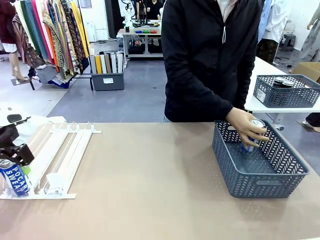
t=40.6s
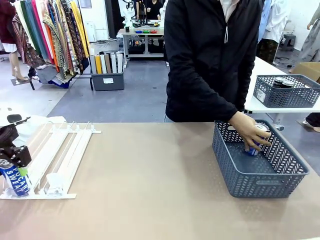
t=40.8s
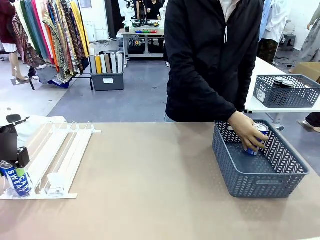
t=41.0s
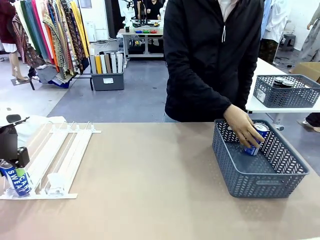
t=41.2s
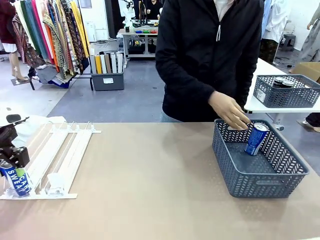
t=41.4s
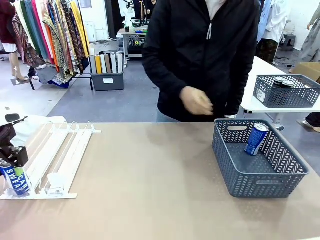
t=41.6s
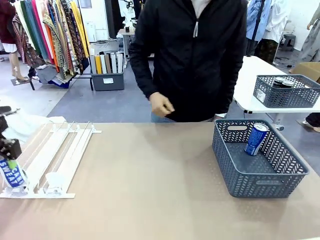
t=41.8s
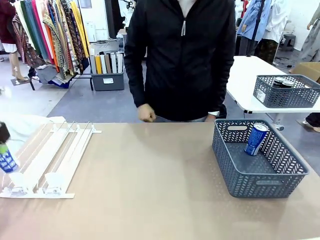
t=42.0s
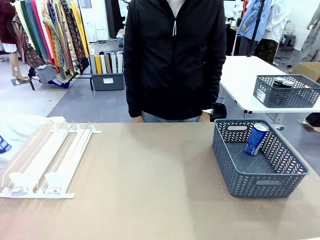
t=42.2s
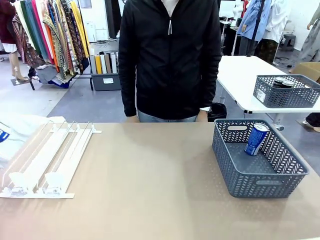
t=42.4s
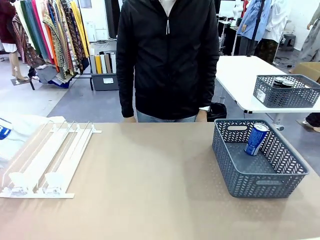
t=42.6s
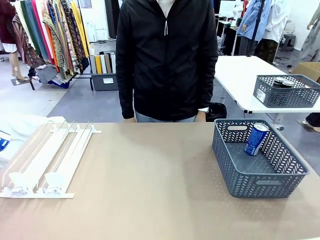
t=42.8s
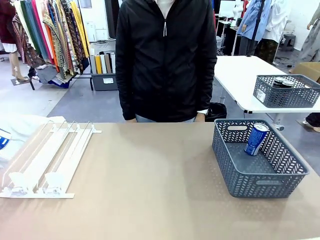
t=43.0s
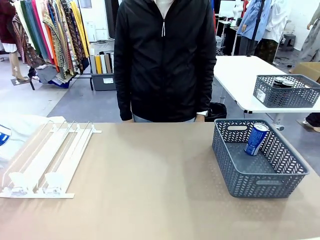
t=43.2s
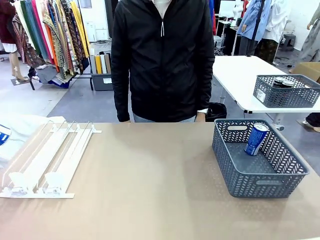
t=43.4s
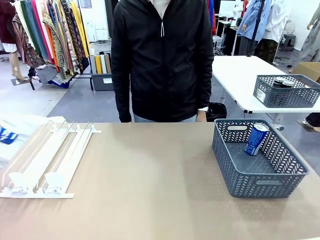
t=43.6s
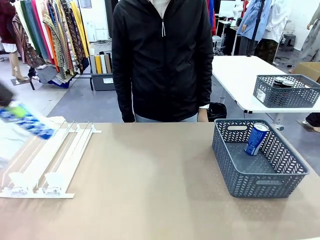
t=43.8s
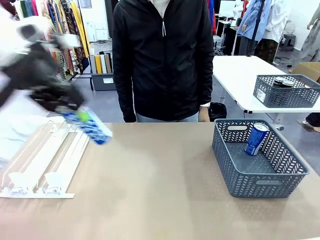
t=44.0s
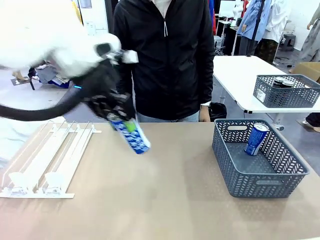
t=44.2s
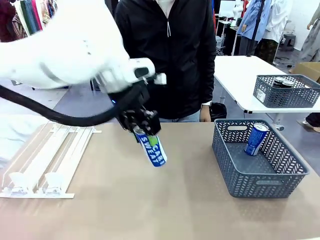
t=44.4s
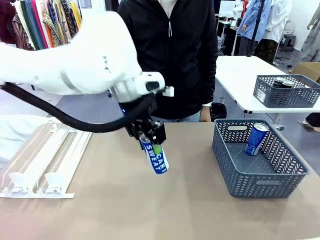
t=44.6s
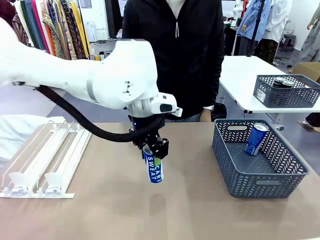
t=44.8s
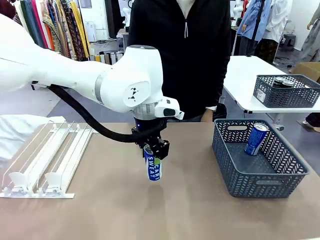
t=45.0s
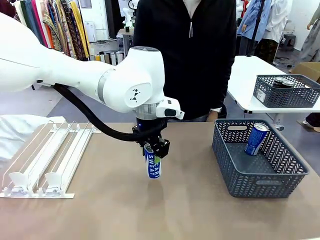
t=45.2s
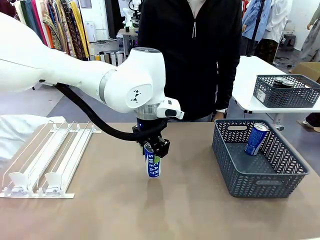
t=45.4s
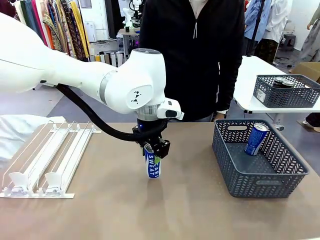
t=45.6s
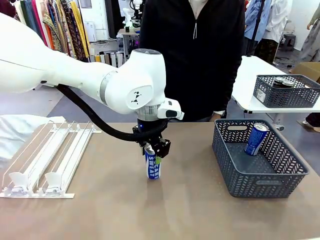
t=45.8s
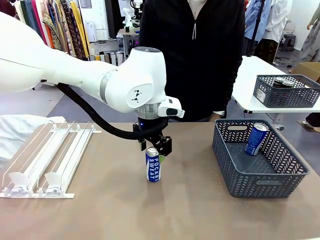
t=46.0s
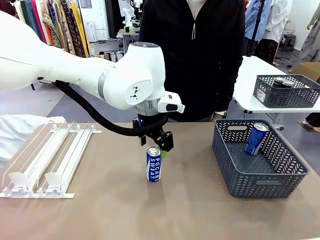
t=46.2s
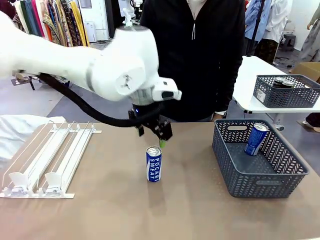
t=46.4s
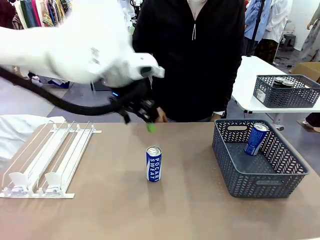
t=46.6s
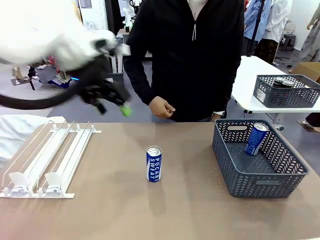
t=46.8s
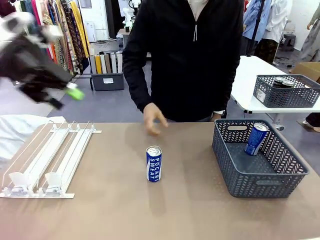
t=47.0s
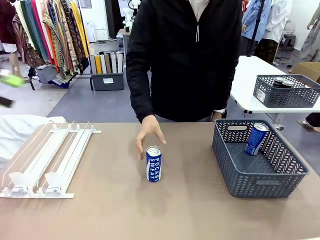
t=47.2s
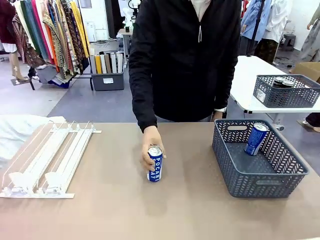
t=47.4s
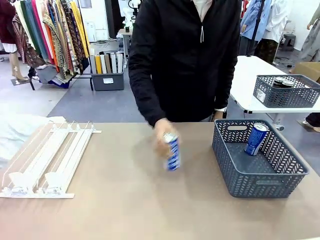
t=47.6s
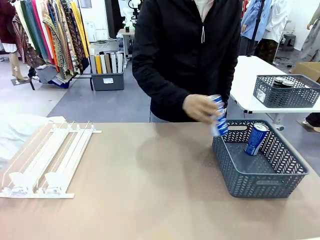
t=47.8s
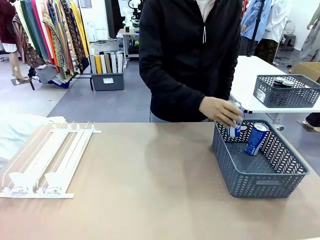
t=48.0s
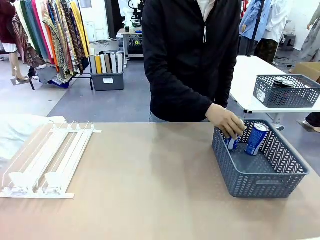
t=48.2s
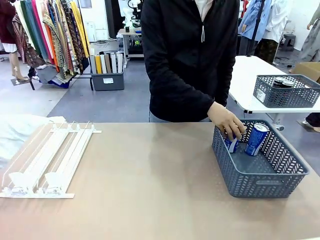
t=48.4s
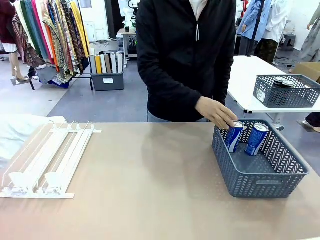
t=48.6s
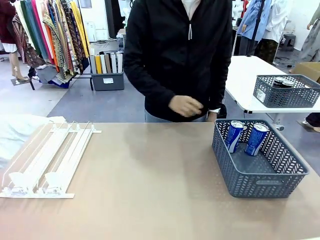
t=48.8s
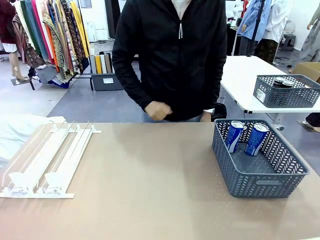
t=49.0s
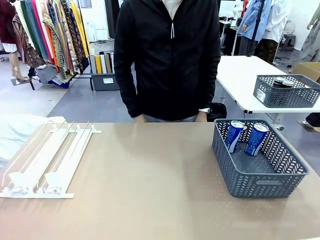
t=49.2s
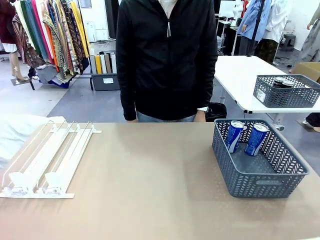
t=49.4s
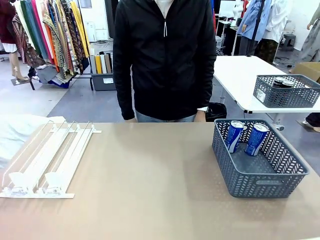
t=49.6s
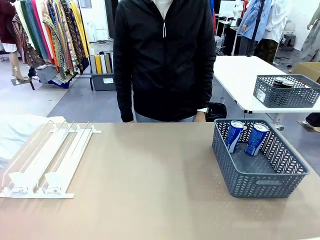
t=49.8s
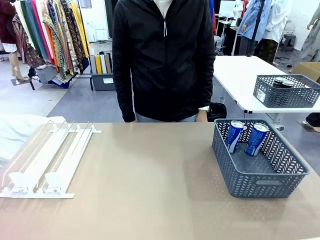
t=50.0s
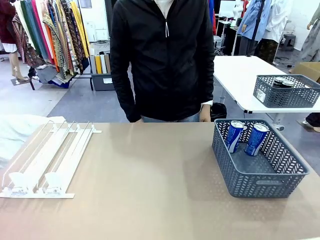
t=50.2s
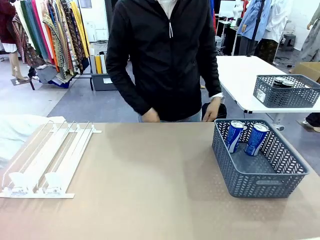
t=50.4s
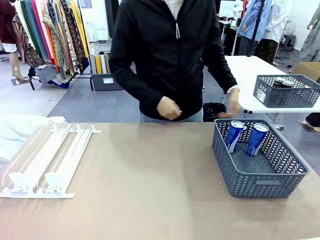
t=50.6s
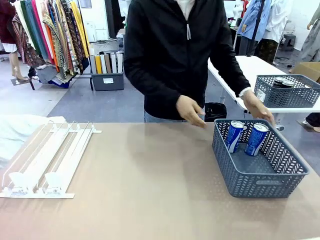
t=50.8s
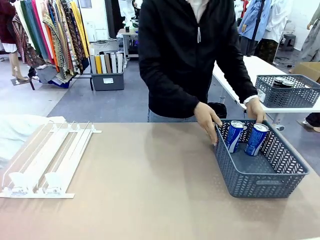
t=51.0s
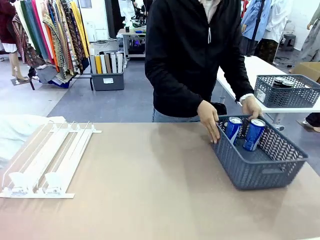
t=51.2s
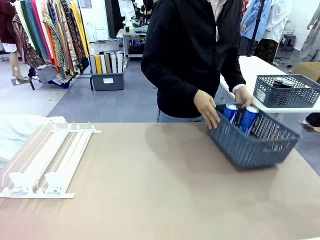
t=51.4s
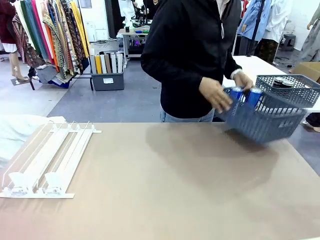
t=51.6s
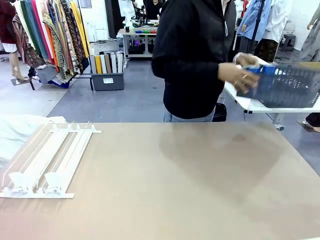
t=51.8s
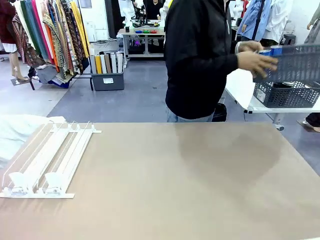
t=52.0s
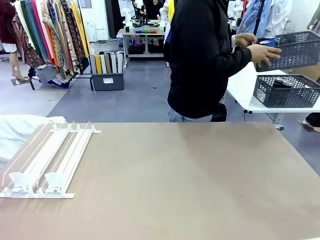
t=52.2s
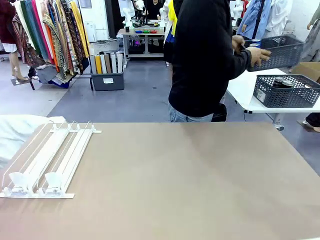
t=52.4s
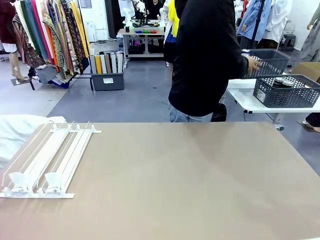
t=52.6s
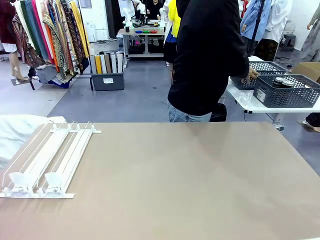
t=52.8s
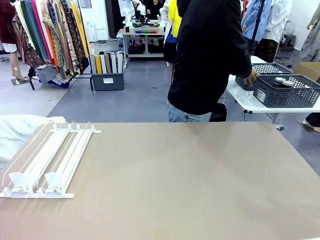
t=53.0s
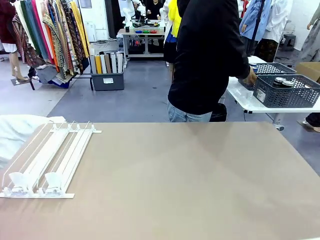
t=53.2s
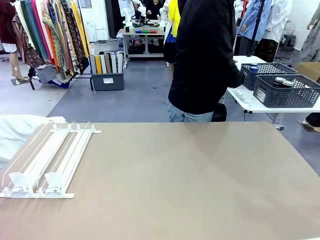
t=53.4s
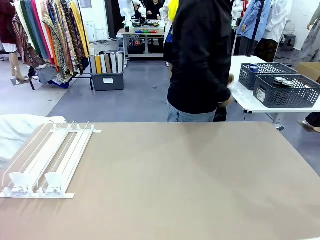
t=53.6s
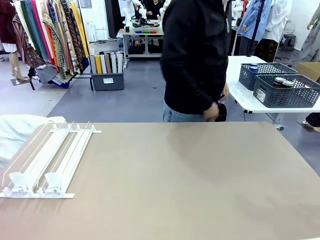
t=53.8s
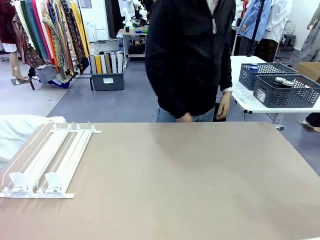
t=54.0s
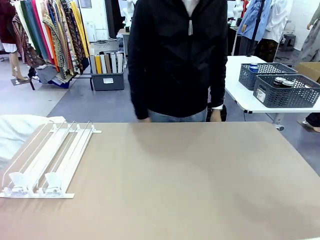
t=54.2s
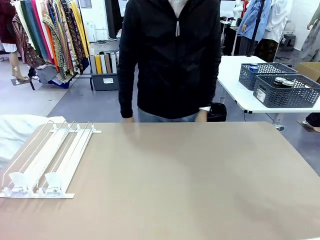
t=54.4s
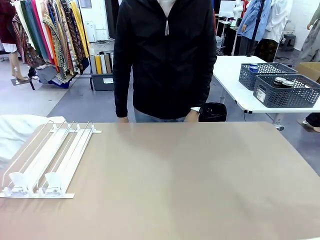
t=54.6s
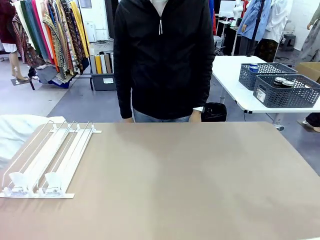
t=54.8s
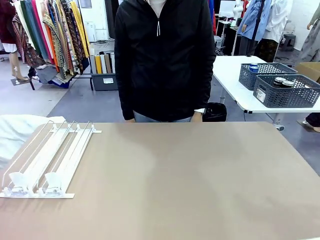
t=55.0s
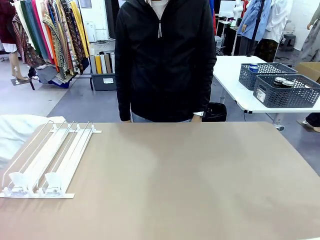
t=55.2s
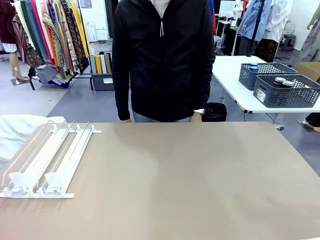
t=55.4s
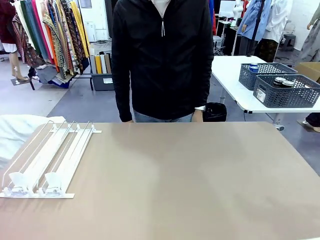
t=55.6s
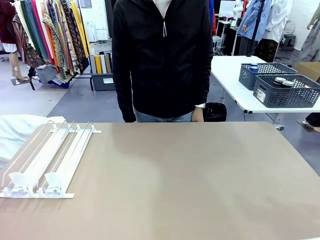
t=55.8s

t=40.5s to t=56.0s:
Task: Retrieve and store the cans from the dispenser.
Robot: Pick up one can from the Automatic Can Dispenser and place it in the middle of the table.
Person: Pick up one sports drink can from the middle of the robot table and place it in the basket. Pick up the basket and place it in the middle of the human table.
